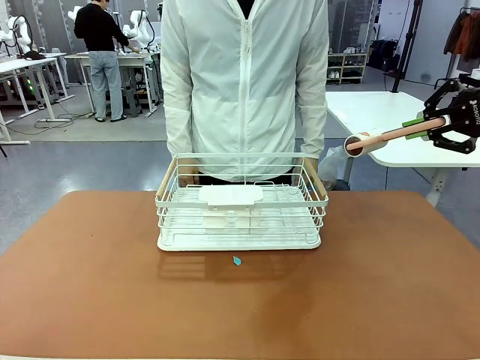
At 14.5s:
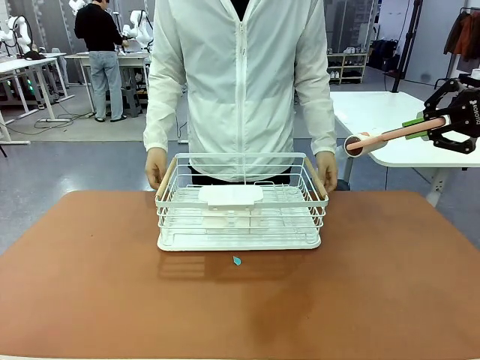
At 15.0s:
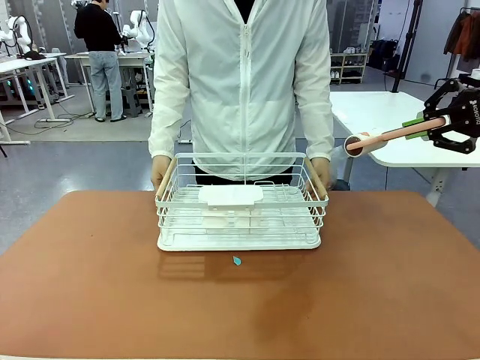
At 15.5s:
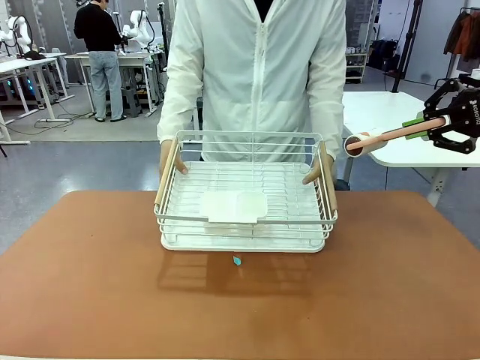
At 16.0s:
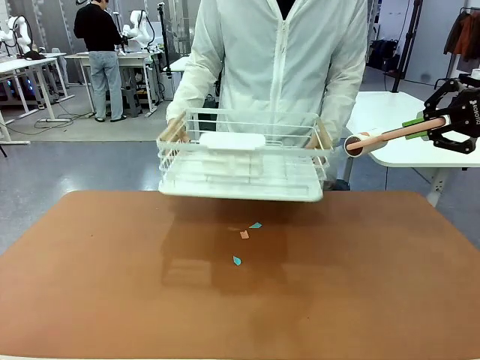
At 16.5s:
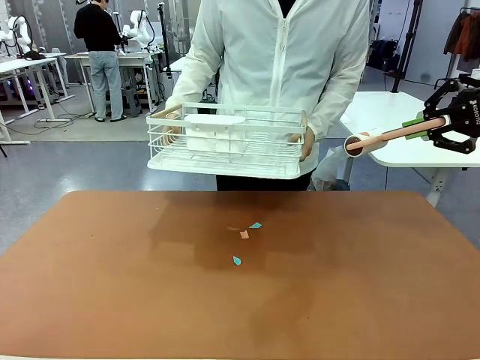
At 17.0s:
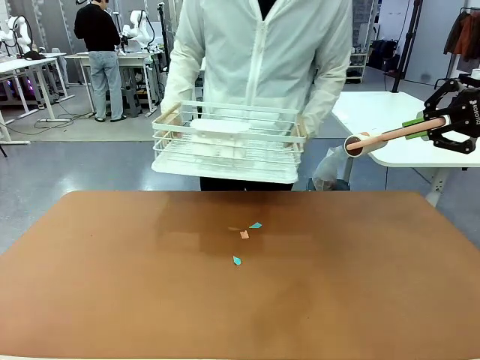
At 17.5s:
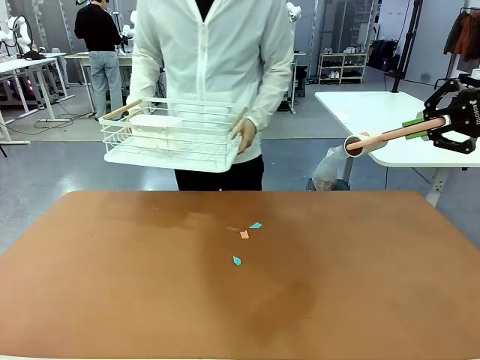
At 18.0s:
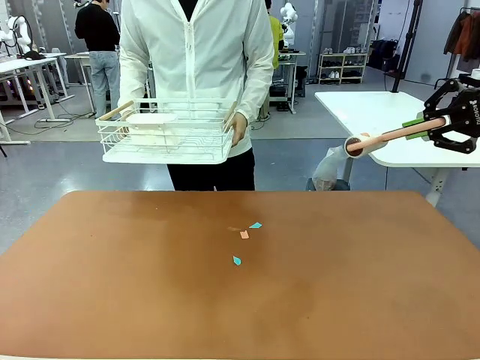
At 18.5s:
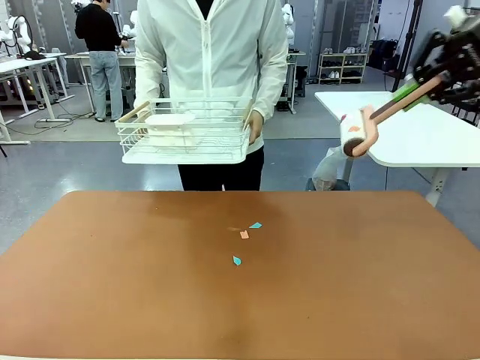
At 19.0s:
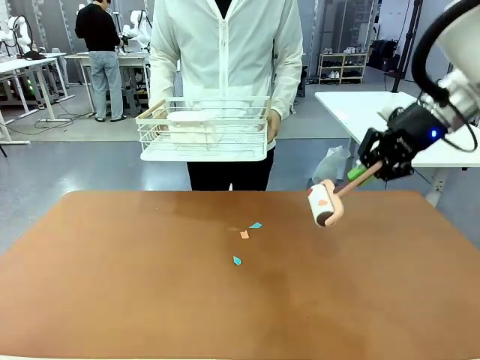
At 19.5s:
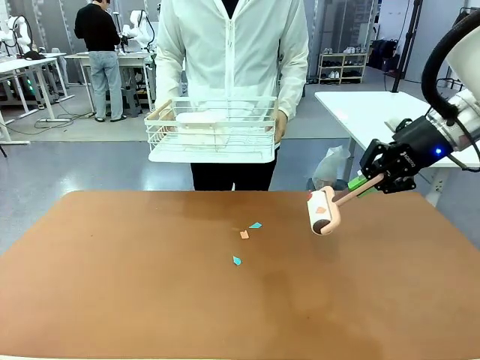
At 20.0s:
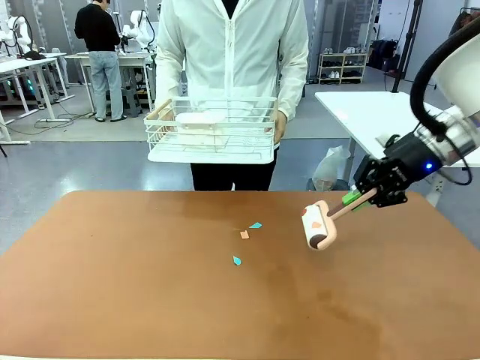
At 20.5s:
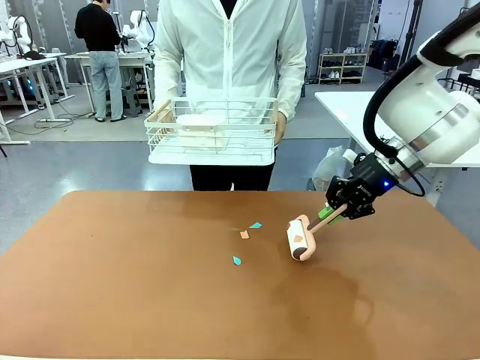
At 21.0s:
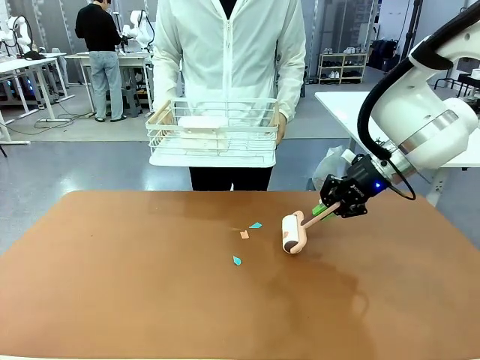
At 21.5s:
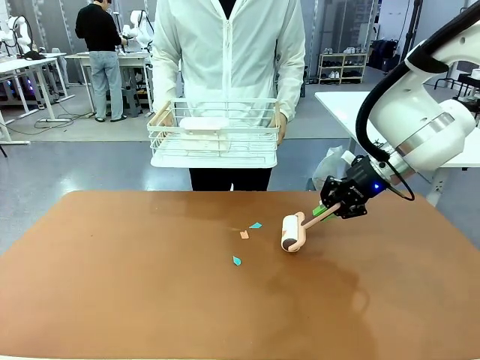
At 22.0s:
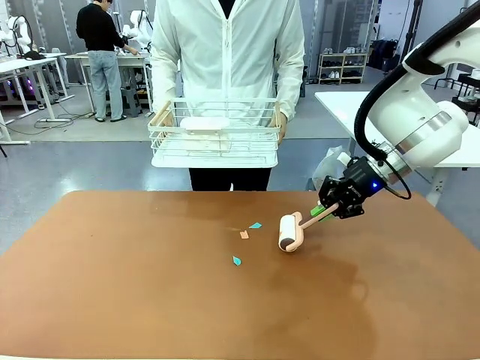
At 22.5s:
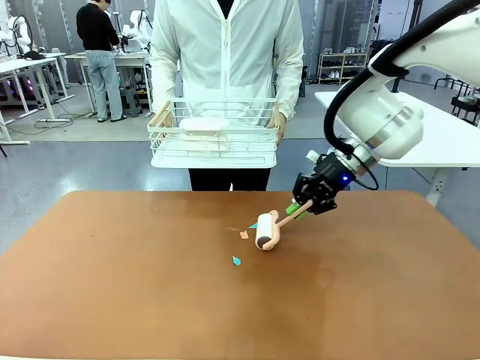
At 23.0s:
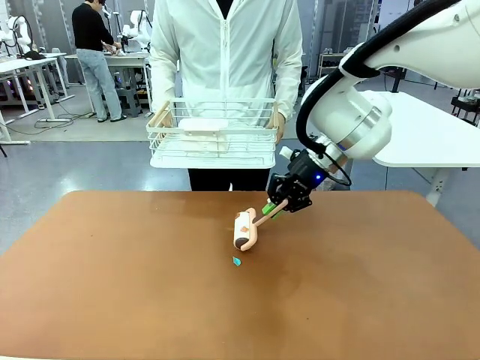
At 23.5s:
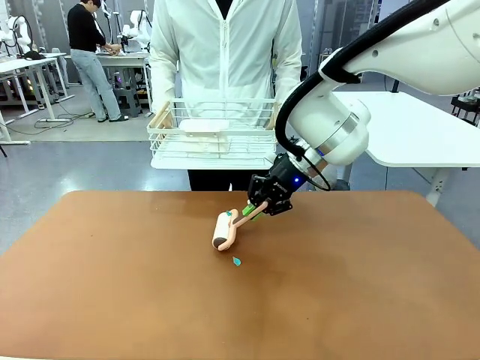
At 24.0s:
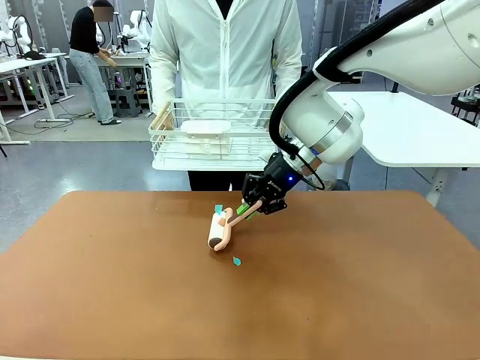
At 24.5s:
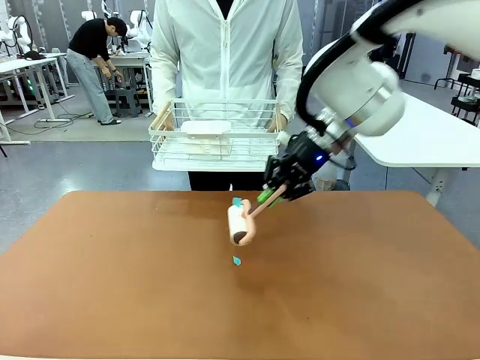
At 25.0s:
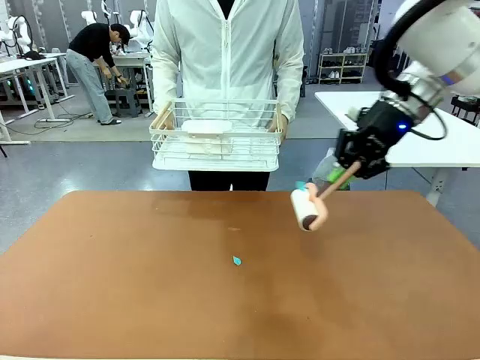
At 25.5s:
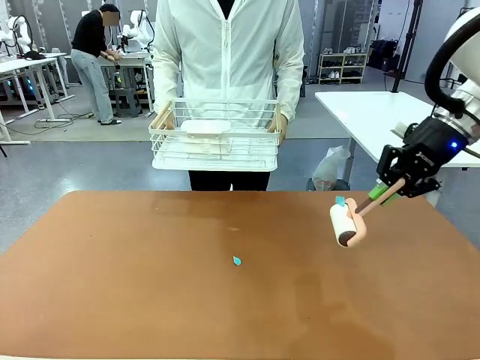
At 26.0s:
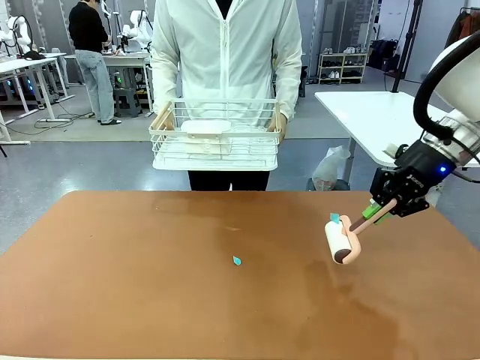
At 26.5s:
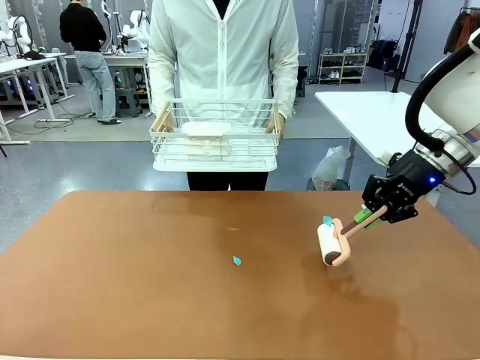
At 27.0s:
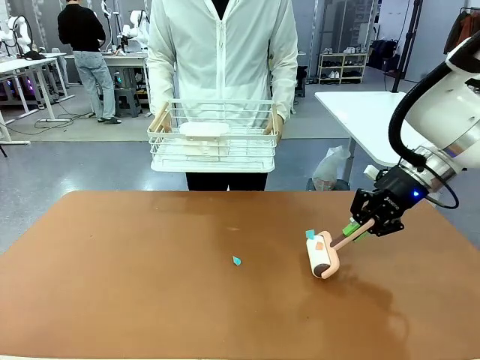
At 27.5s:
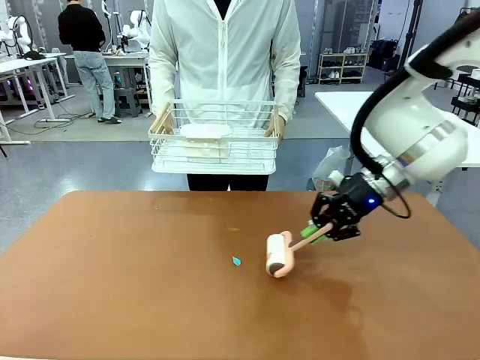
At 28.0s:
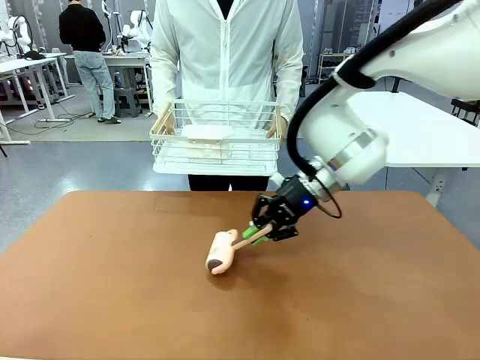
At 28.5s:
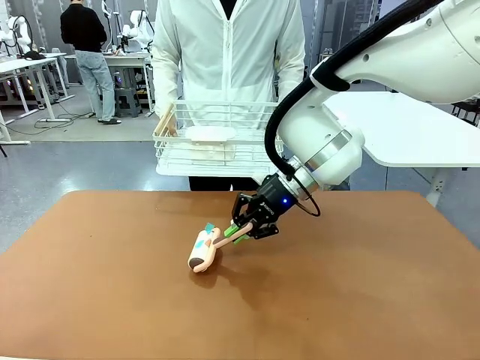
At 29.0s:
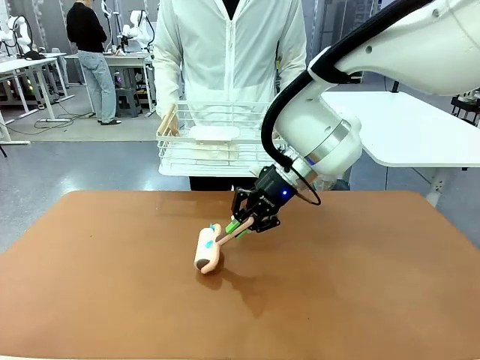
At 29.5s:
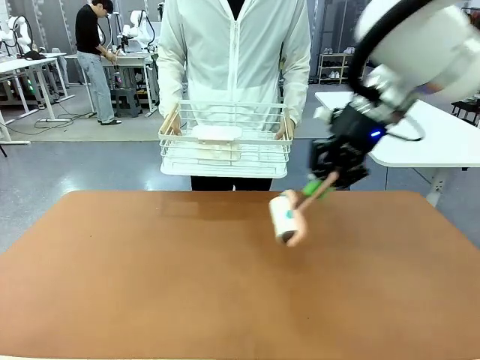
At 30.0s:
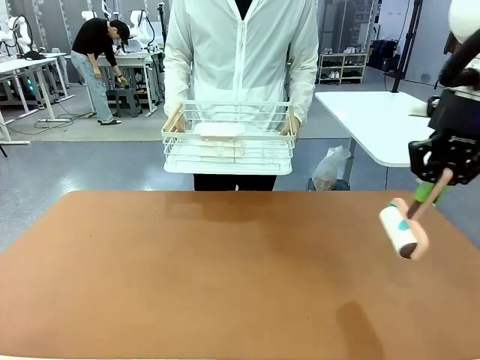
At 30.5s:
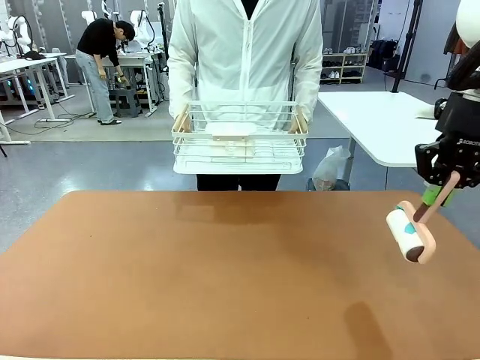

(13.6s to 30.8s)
Task: Clean the table.
Robot: Clean the table with the Lint Roller when the human lifts the Dish drying rack.
Person: Place the Dish drying rack down when the robot finishes cleaning.

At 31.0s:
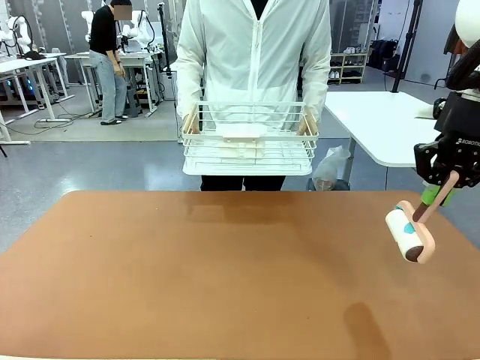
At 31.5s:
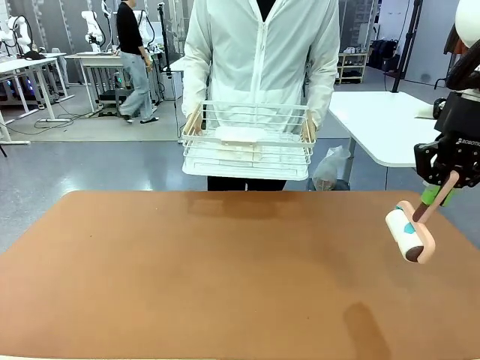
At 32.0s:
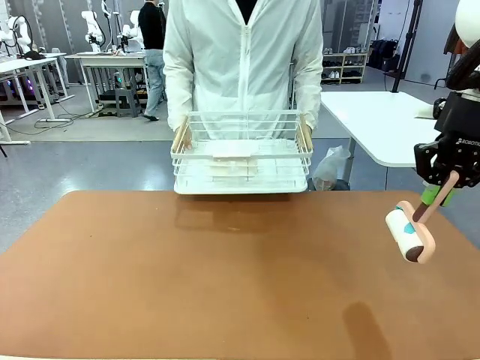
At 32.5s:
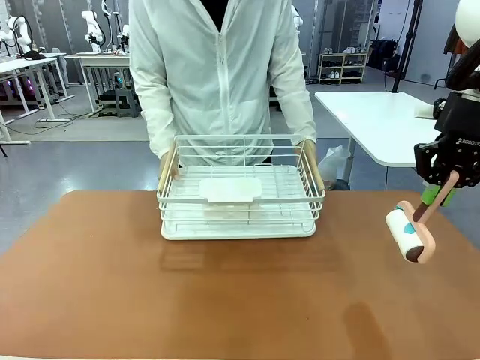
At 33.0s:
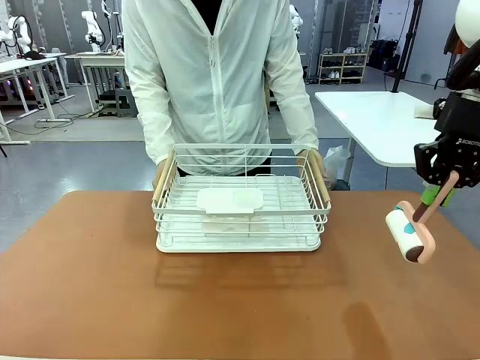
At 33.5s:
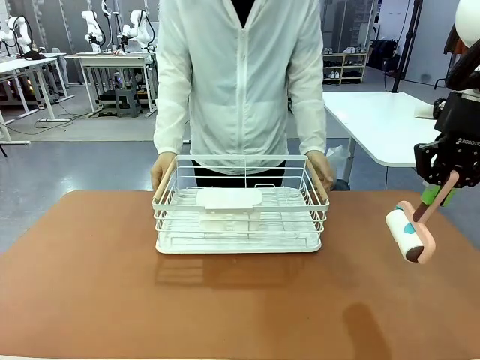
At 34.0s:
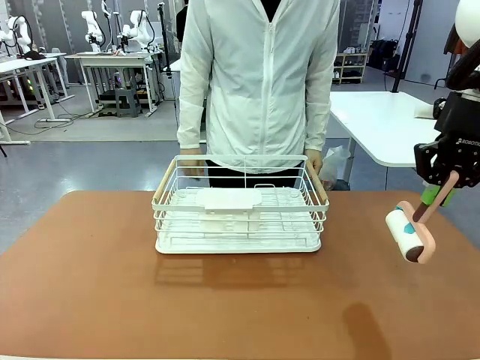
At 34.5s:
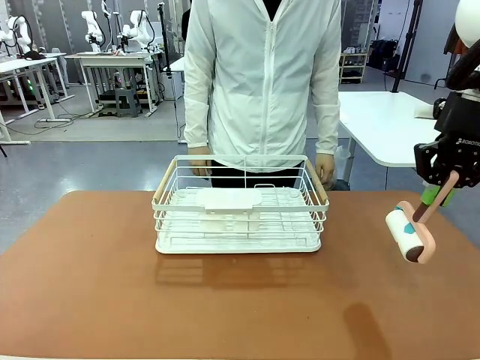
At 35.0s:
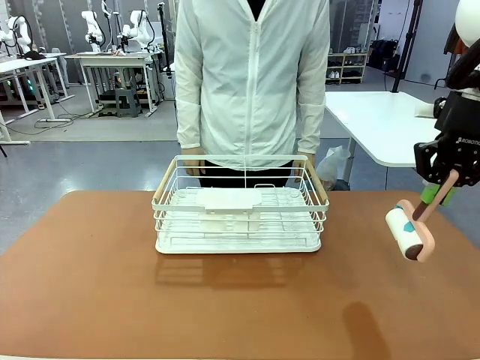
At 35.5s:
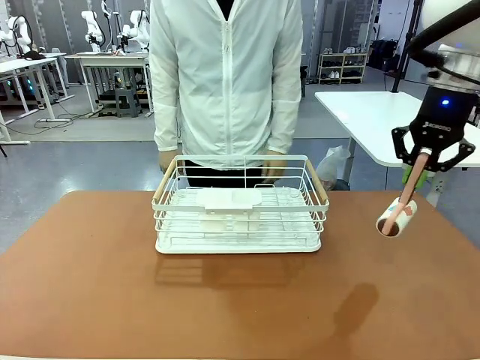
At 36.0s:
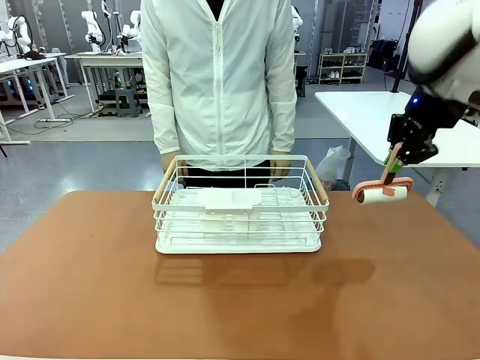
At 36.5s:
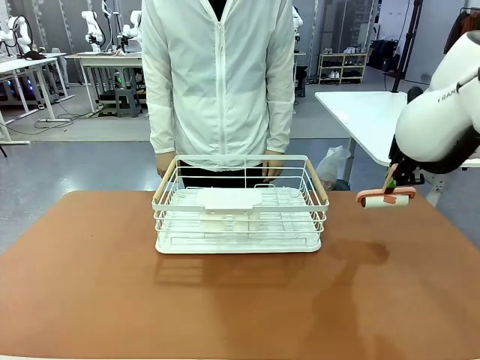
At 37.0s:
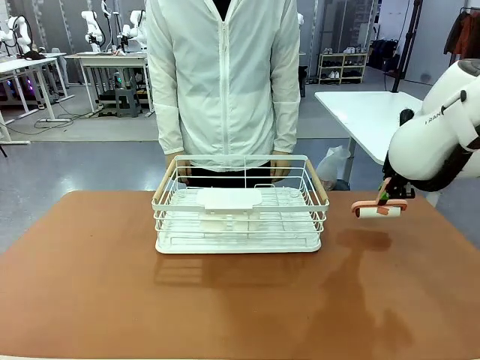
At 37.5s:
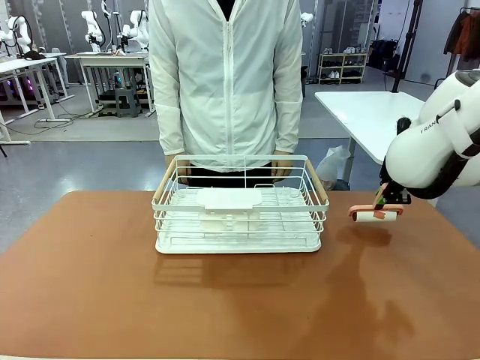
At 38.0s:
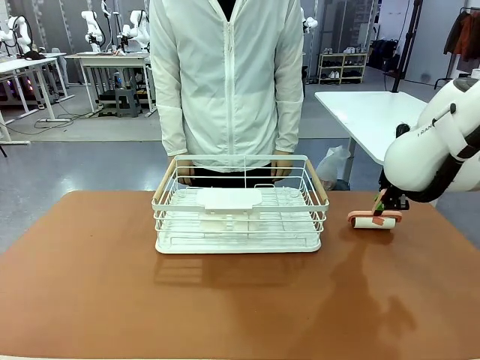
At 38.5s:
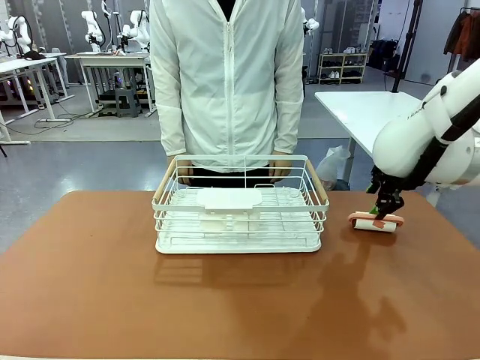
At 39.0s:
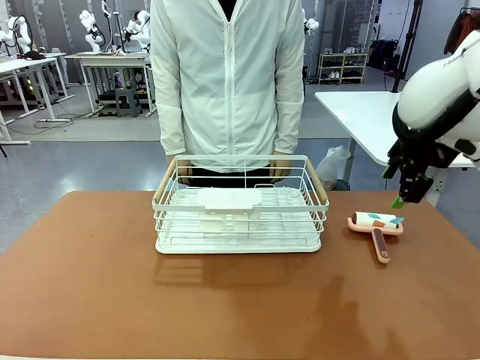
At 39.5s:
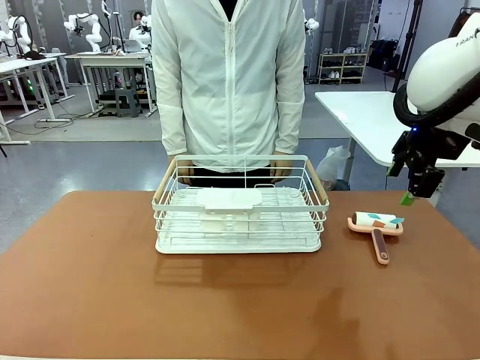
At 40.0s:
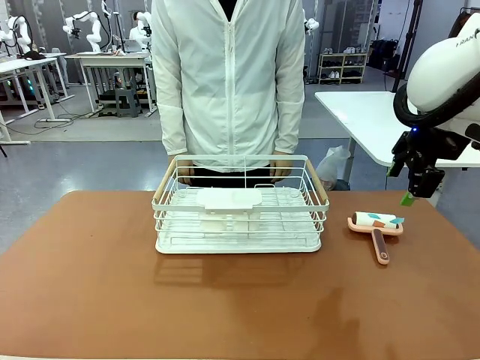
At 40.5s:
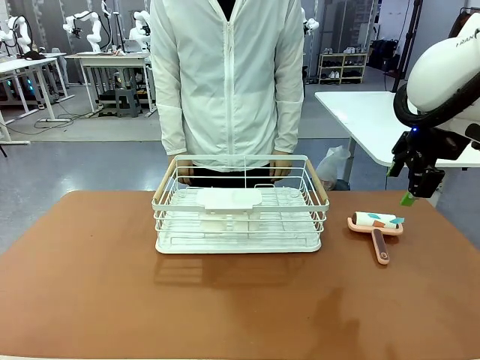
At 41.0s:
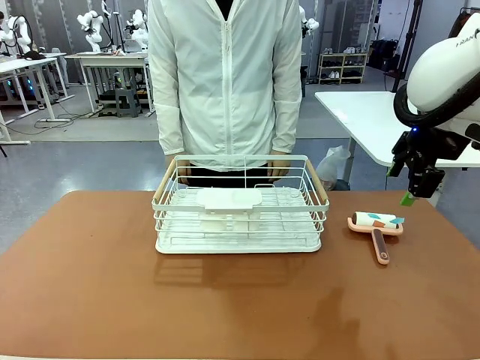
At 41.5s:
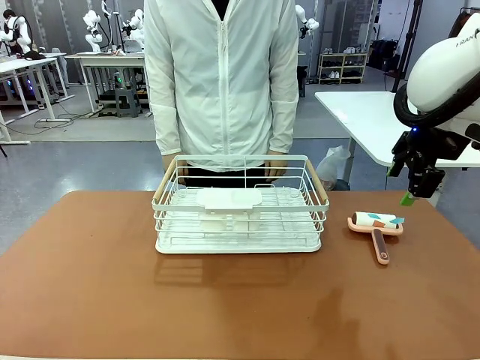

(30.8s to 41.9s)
Robot: Place the Lint Roller down when the Dish drying rack is positioned in the middle of the table.
